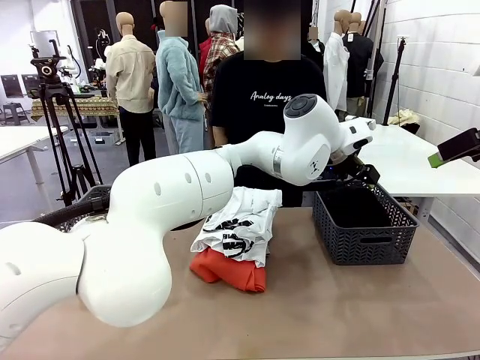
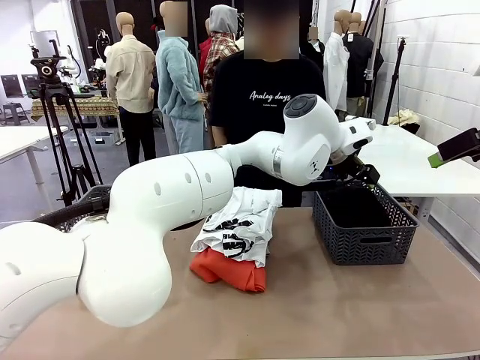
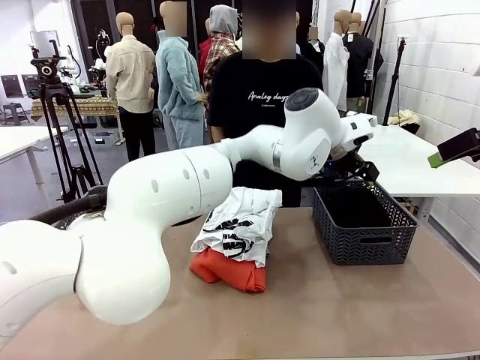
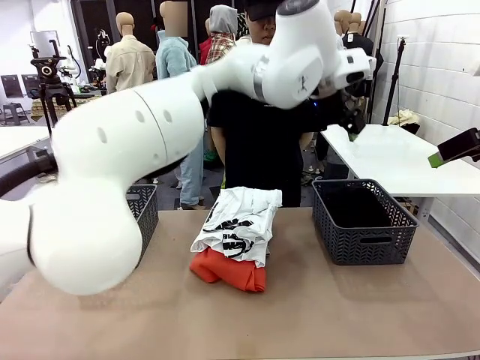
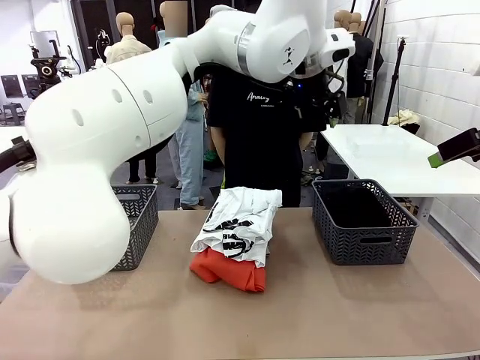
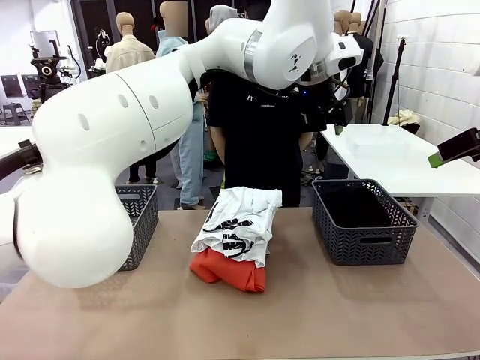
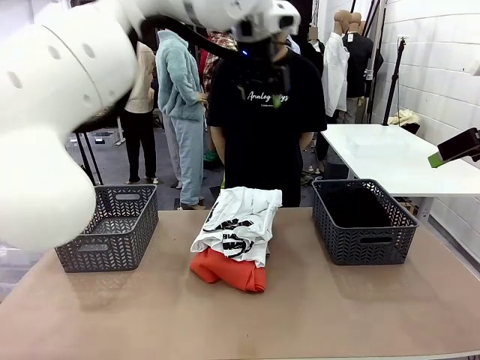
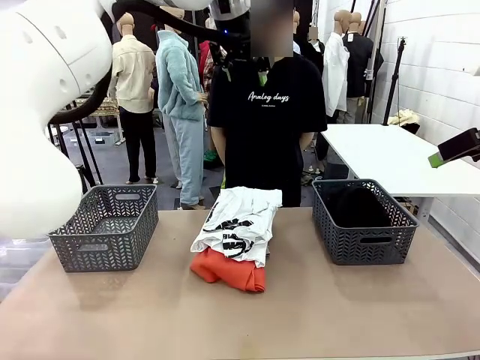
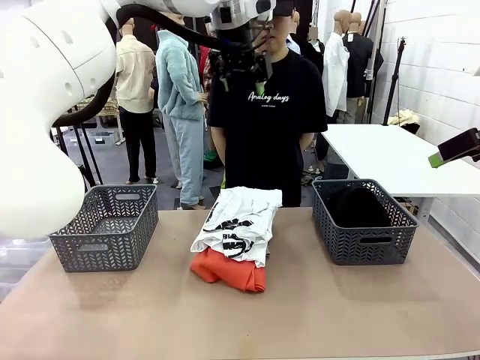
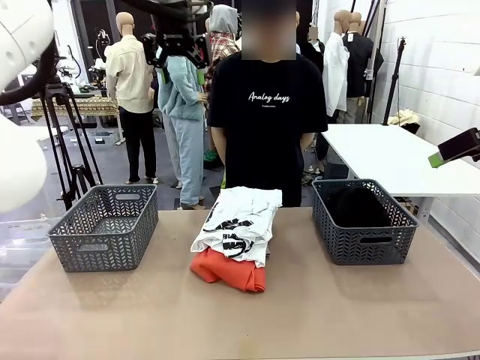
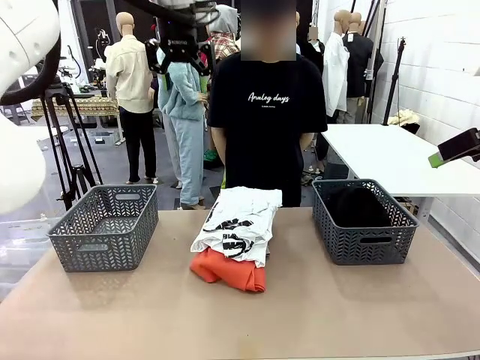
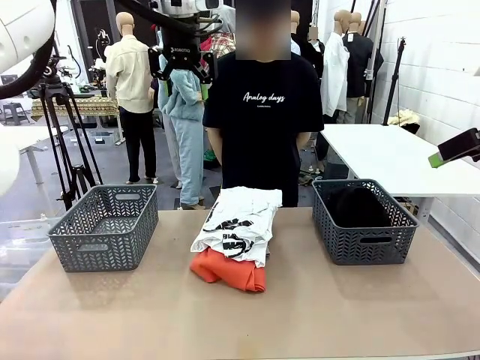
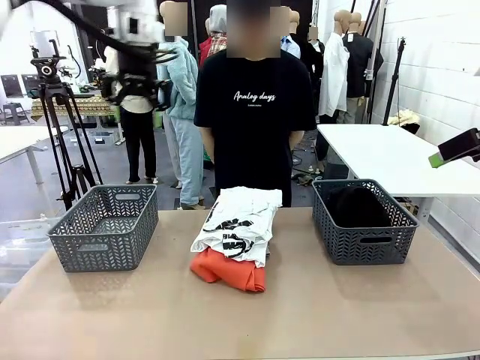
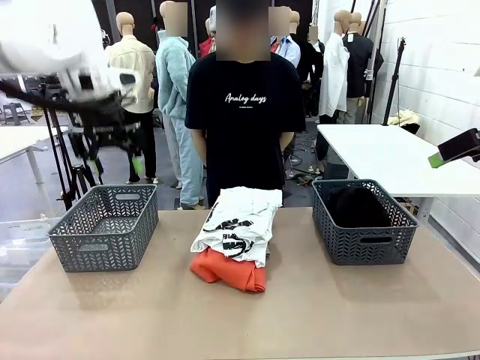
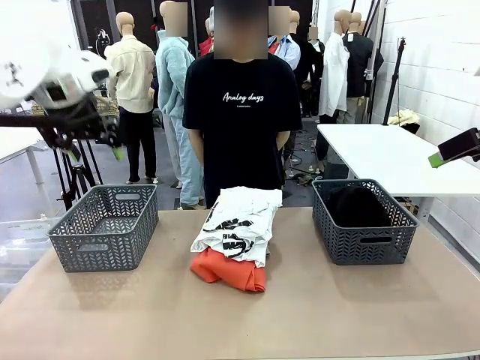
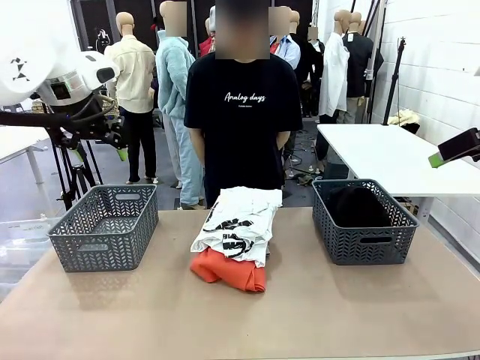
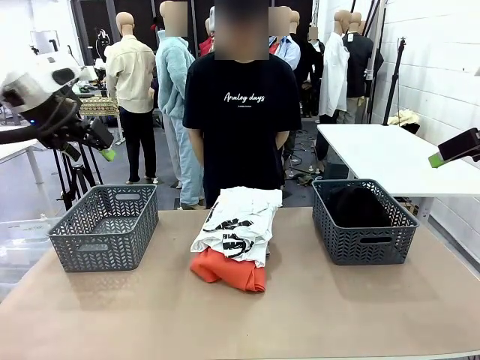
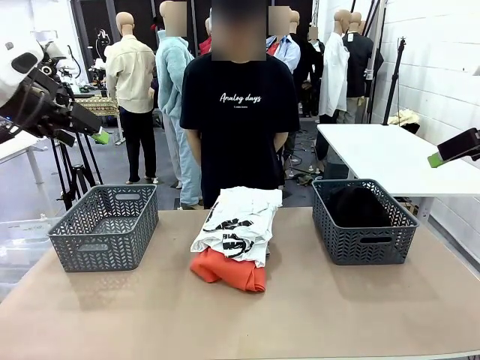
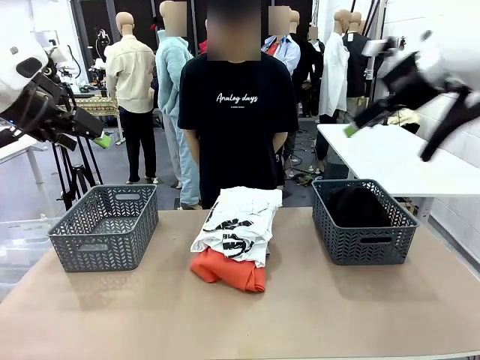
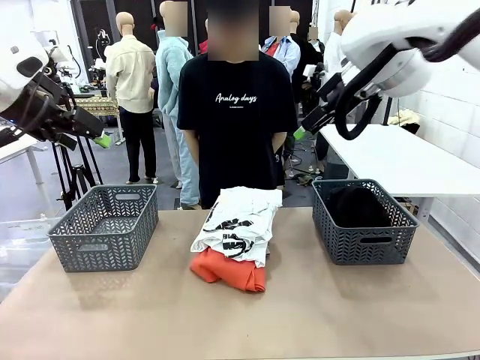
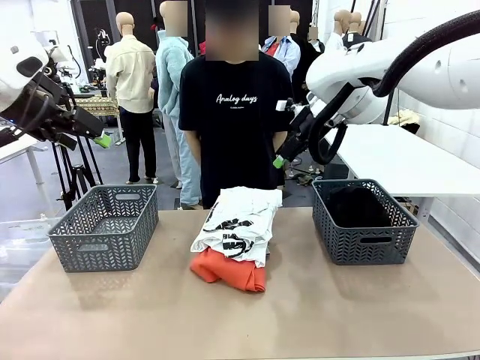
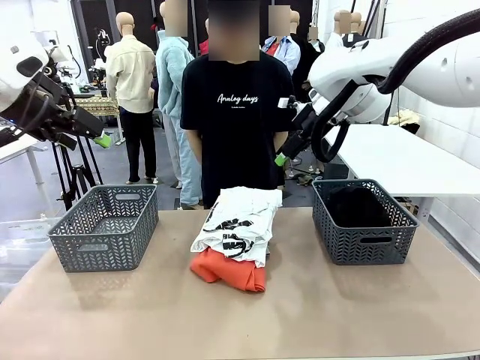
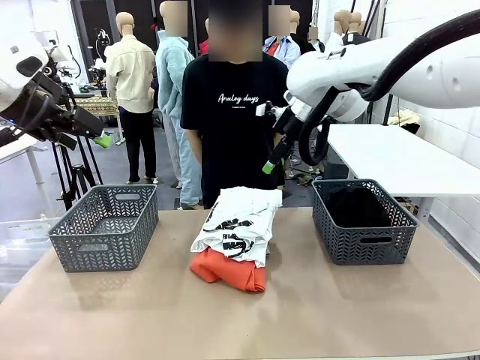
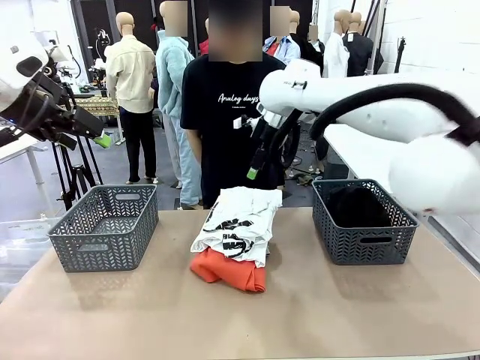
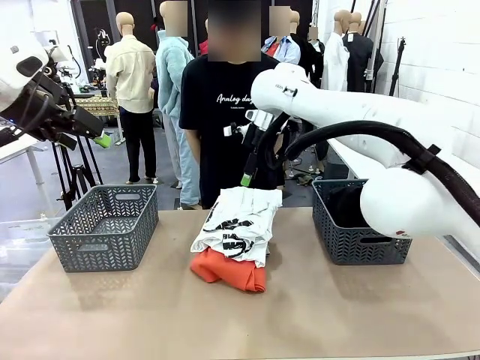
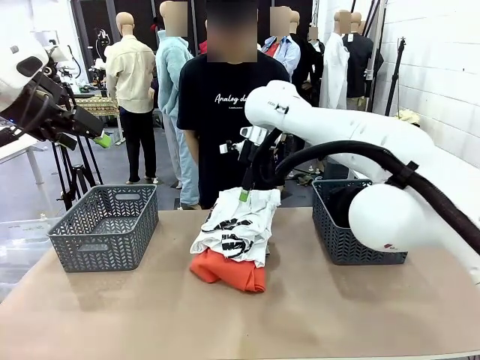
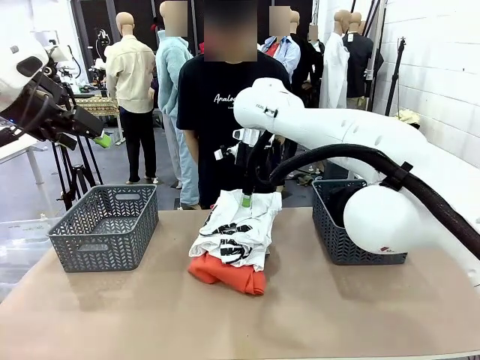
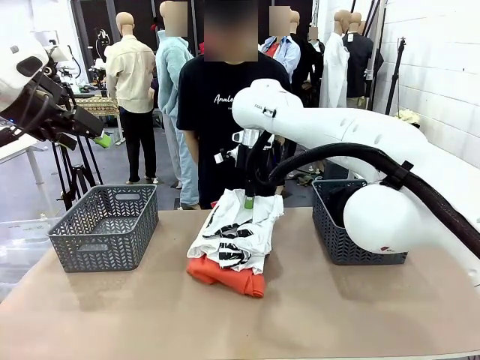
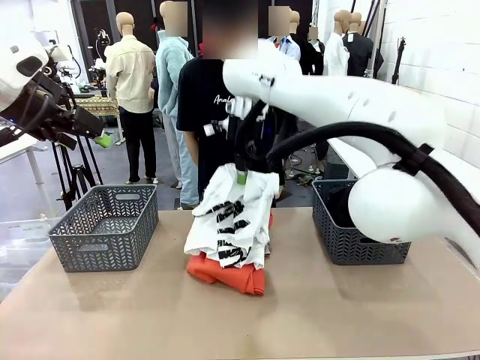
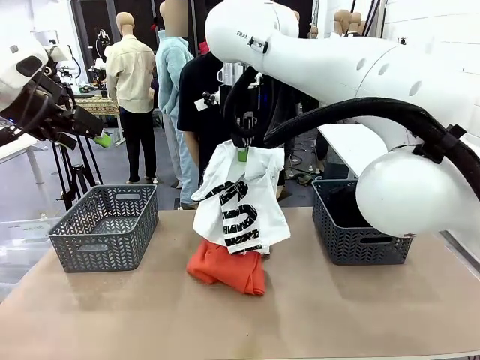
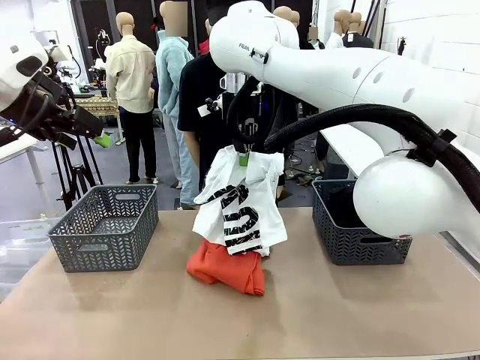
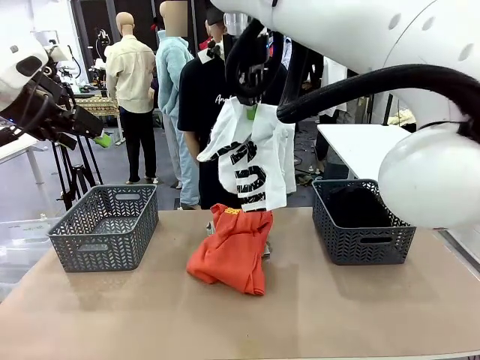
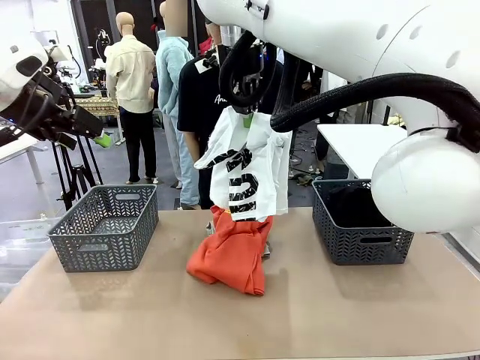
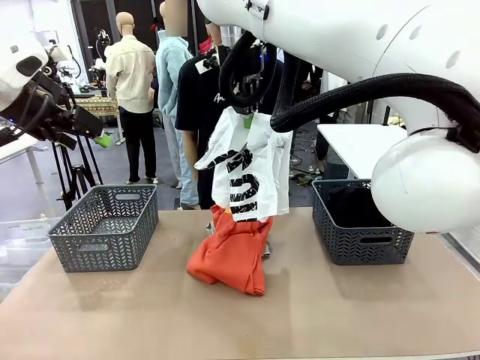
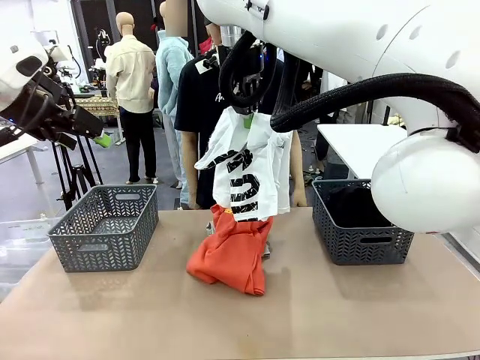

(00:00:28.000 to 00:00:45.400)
Task: Sort the tops and bottoms.
Robot: Lift clothes from the center of the table with your right hand.

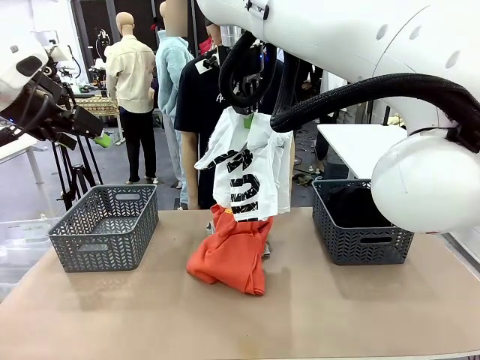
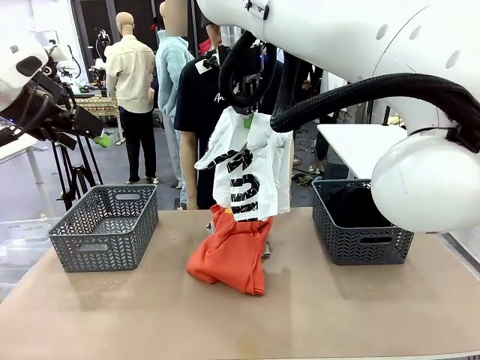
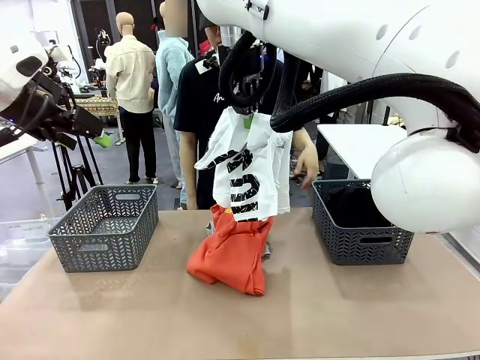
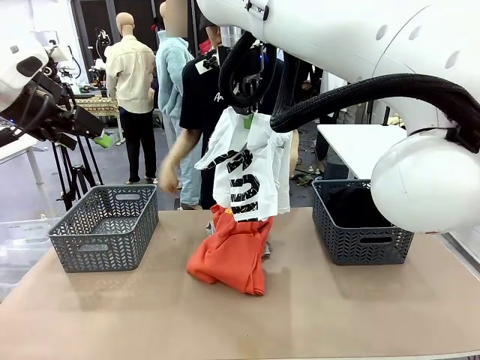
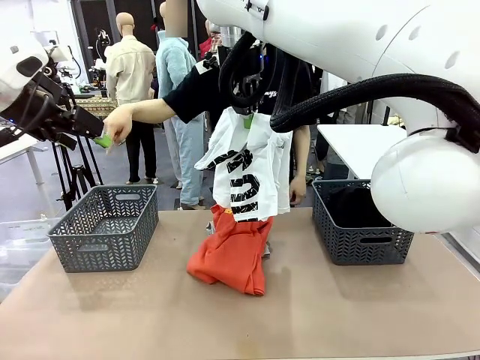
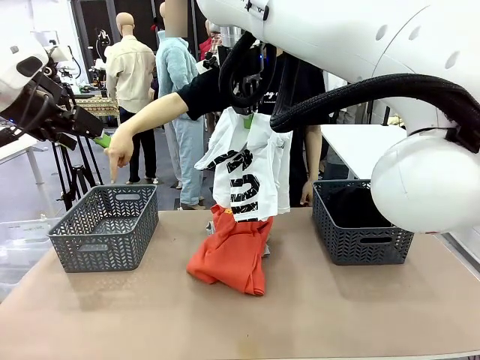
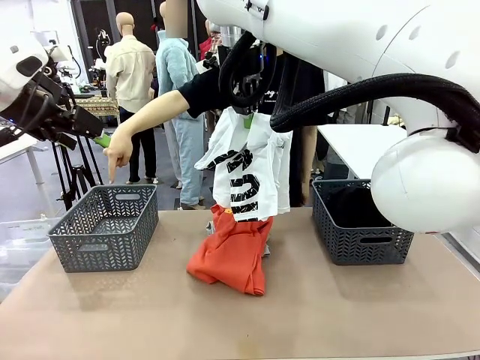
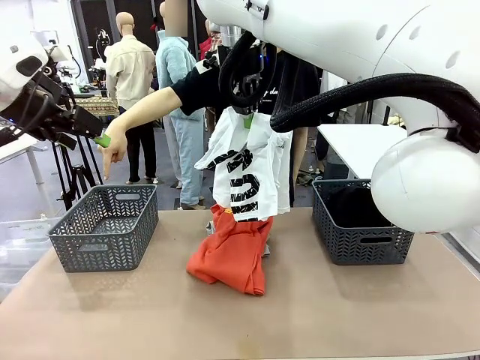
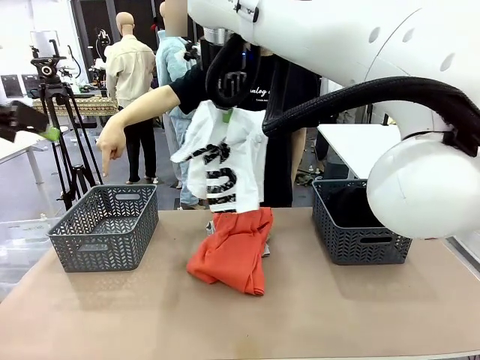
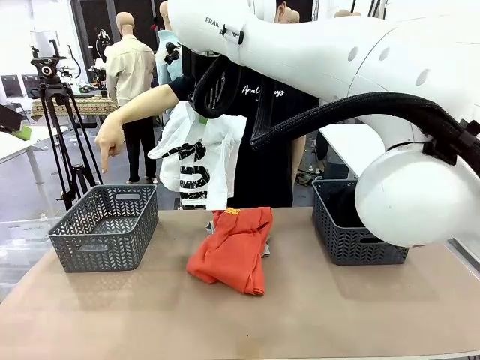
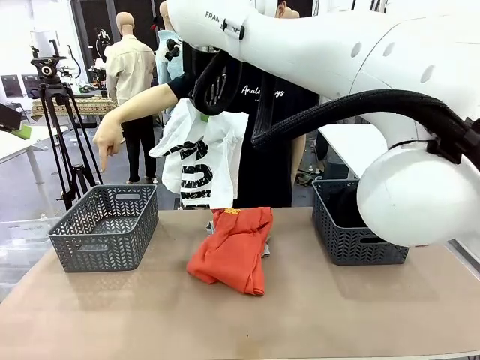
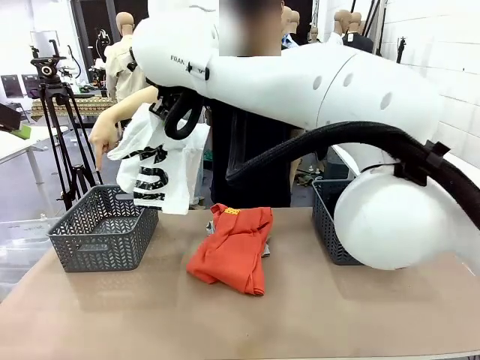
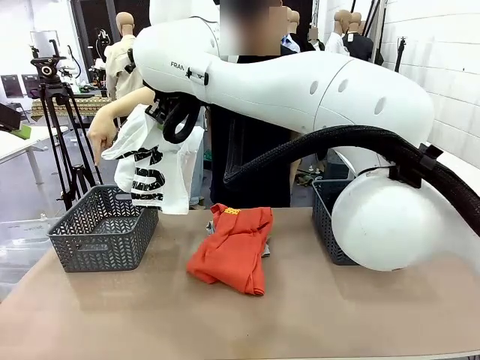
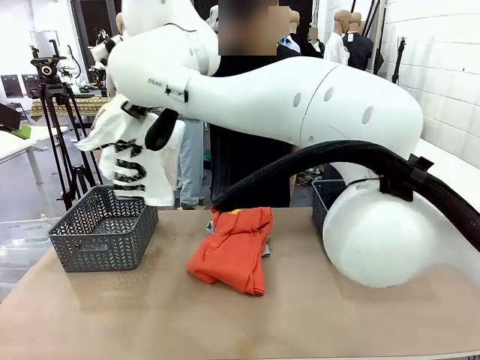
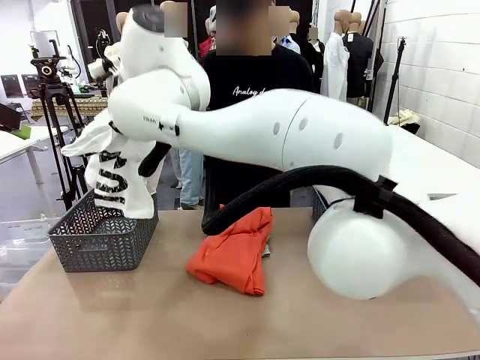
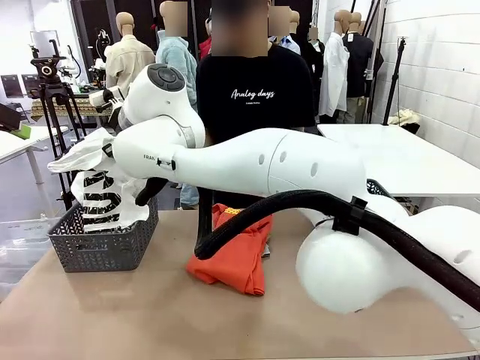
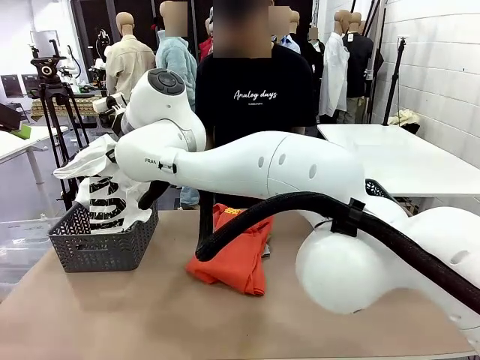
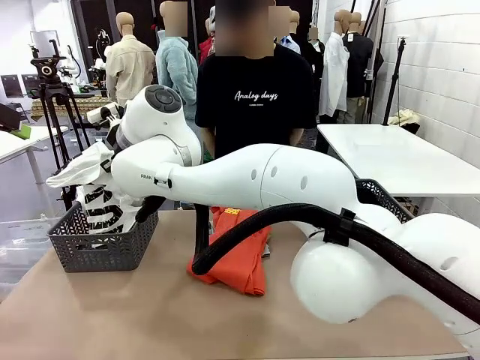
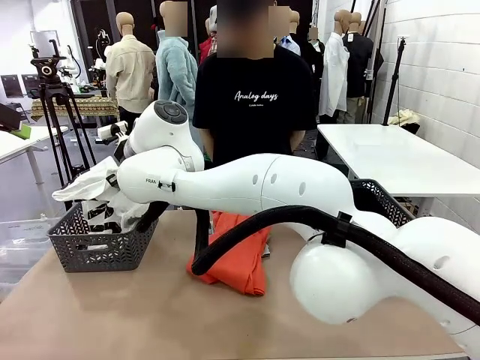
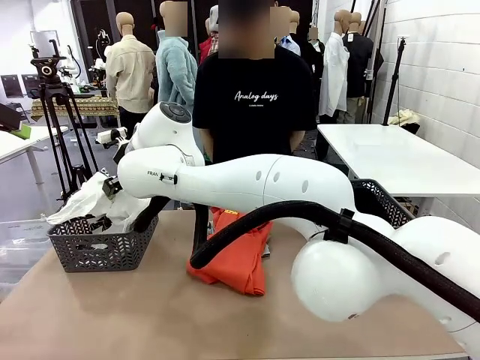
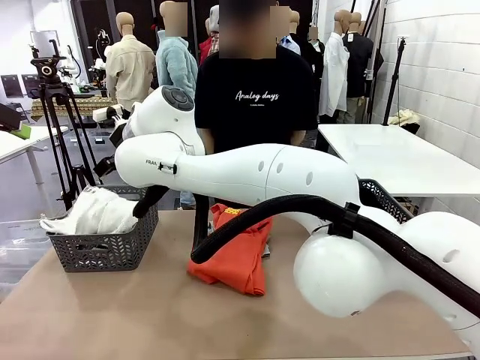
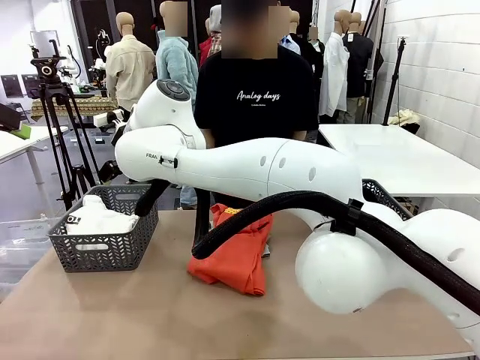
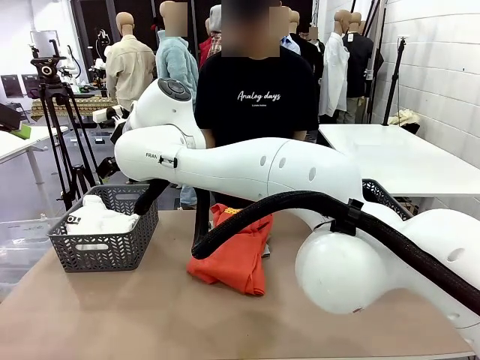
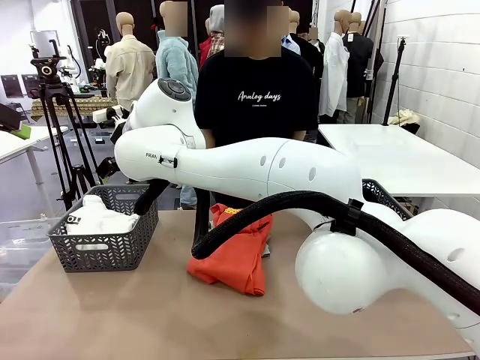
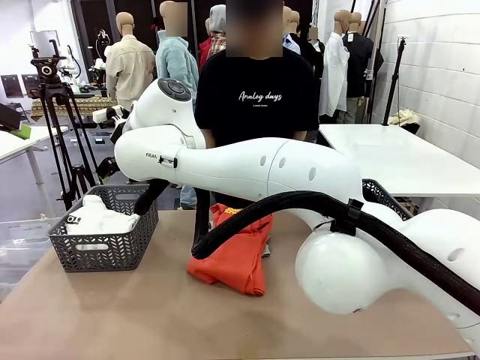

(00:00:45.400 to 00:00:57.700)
Robot: Sort the clothes according to human instructions.
